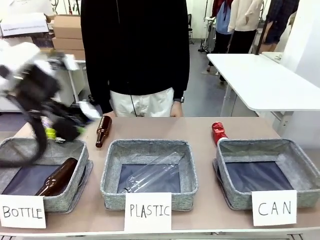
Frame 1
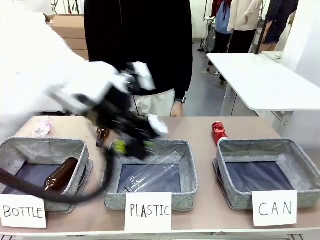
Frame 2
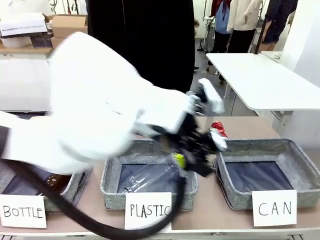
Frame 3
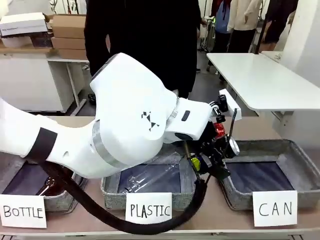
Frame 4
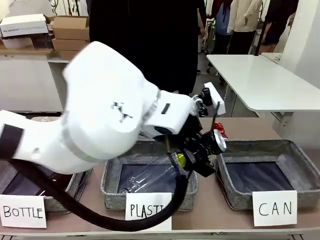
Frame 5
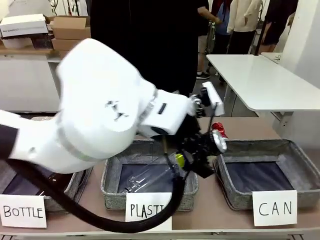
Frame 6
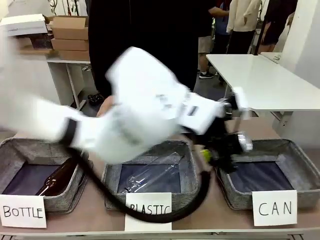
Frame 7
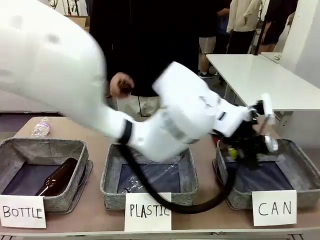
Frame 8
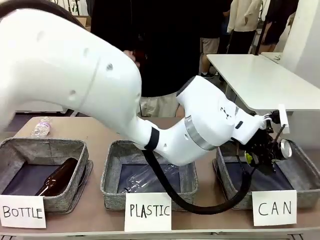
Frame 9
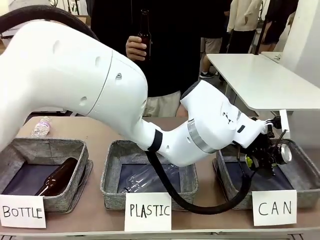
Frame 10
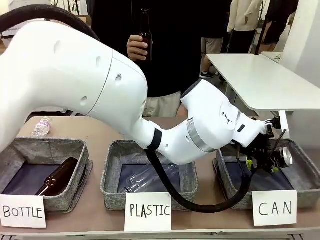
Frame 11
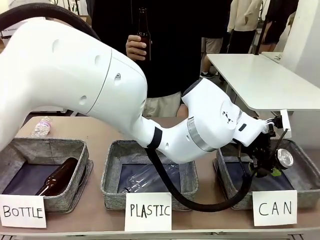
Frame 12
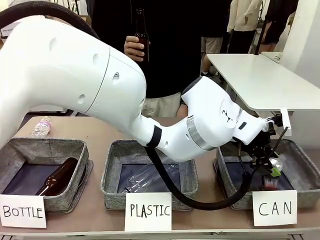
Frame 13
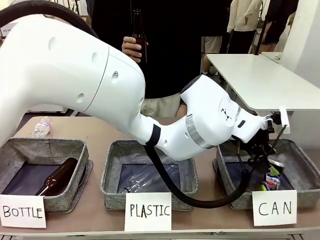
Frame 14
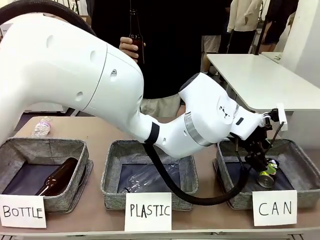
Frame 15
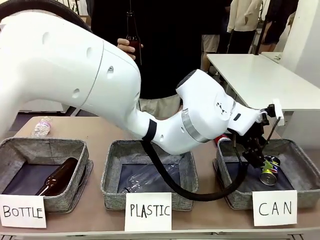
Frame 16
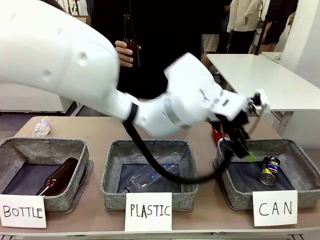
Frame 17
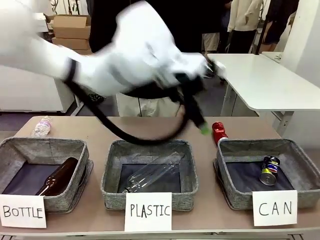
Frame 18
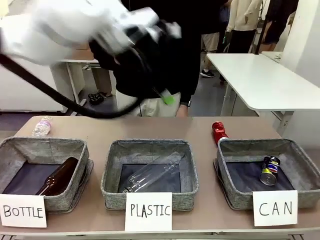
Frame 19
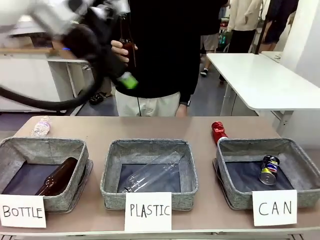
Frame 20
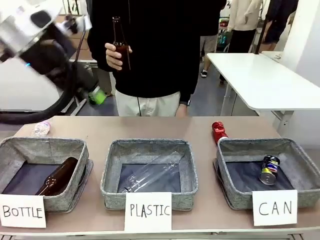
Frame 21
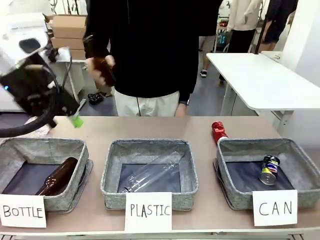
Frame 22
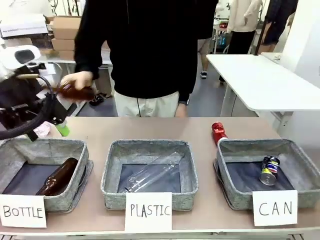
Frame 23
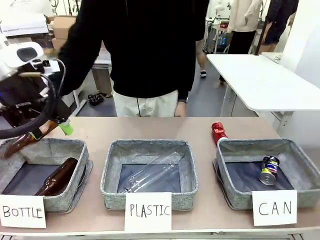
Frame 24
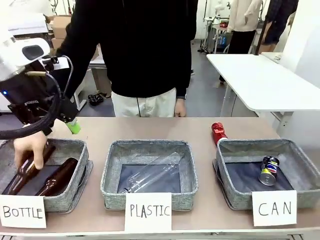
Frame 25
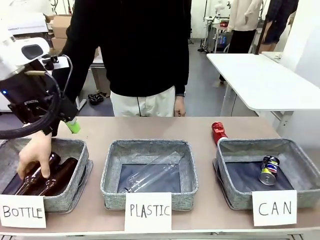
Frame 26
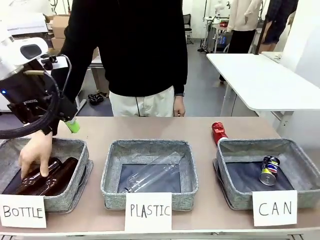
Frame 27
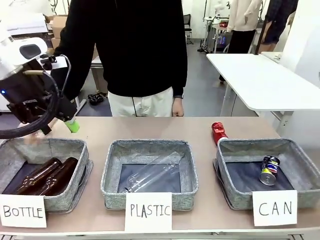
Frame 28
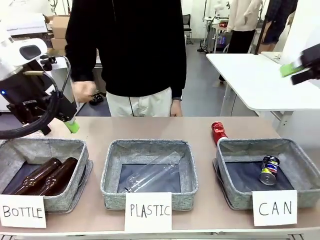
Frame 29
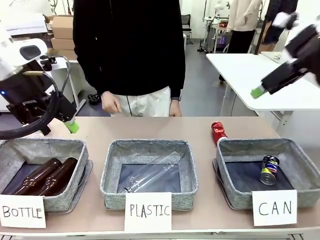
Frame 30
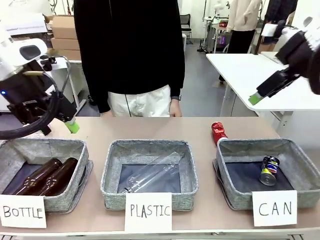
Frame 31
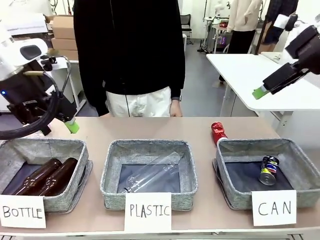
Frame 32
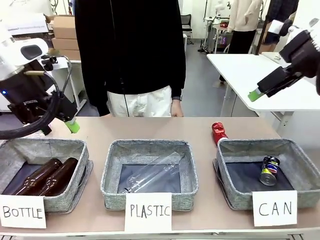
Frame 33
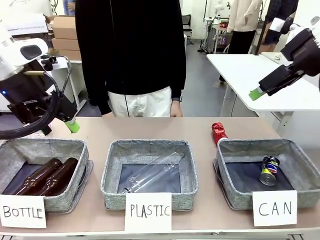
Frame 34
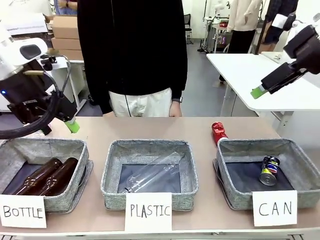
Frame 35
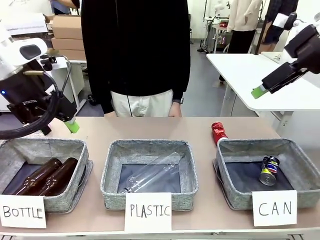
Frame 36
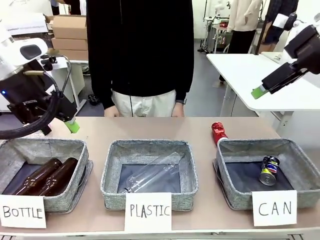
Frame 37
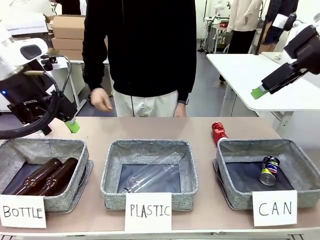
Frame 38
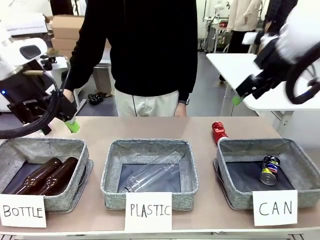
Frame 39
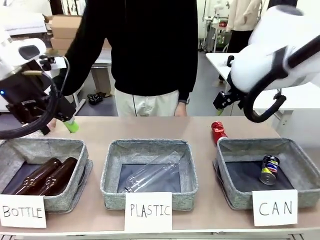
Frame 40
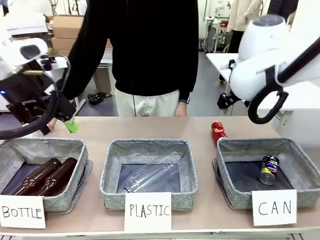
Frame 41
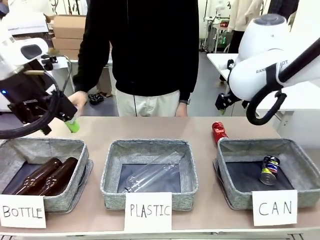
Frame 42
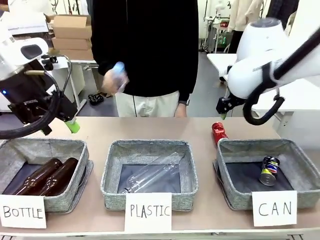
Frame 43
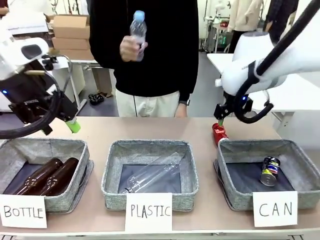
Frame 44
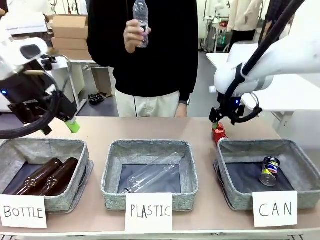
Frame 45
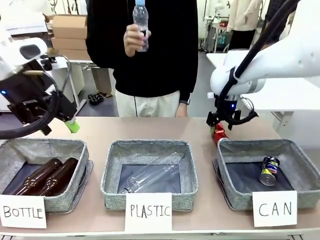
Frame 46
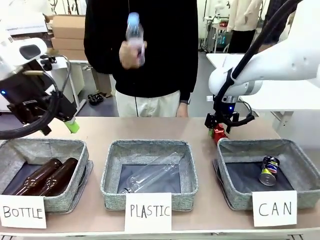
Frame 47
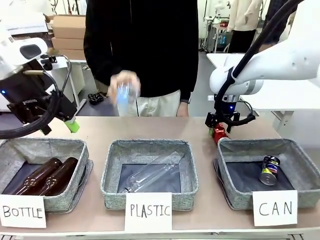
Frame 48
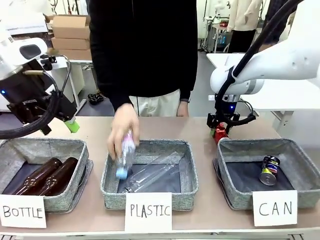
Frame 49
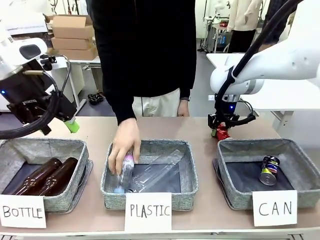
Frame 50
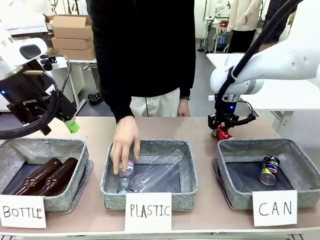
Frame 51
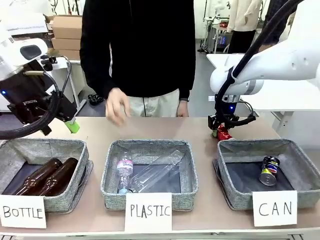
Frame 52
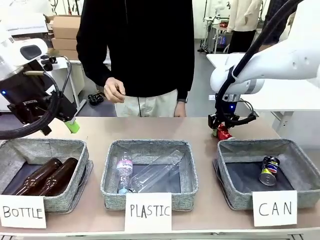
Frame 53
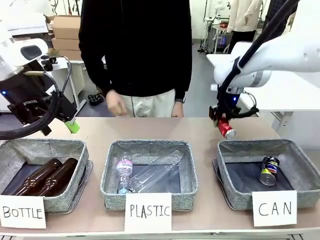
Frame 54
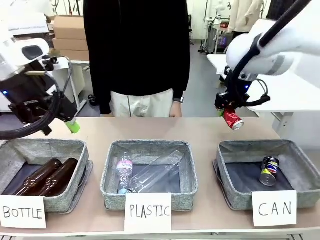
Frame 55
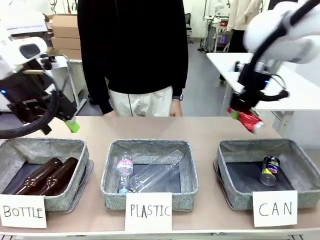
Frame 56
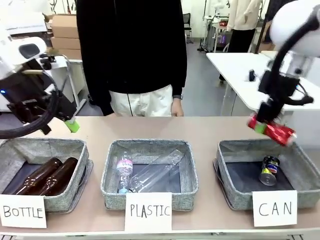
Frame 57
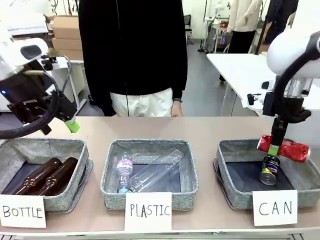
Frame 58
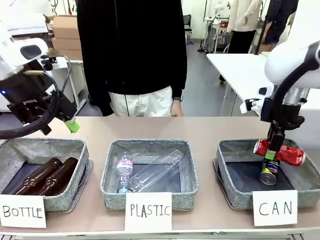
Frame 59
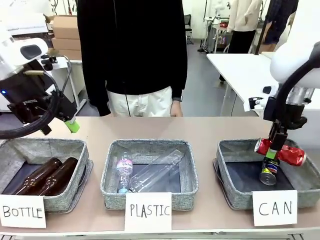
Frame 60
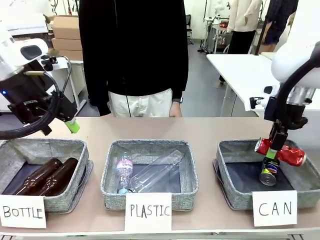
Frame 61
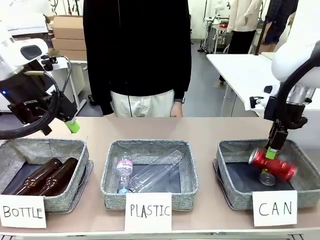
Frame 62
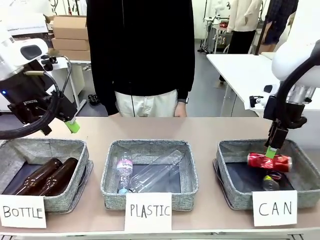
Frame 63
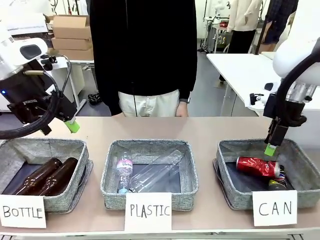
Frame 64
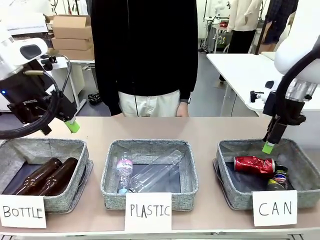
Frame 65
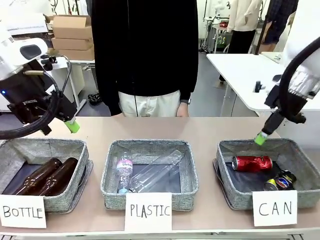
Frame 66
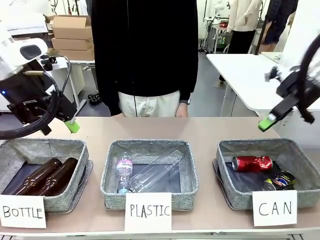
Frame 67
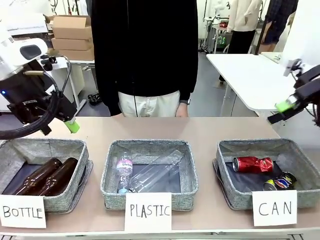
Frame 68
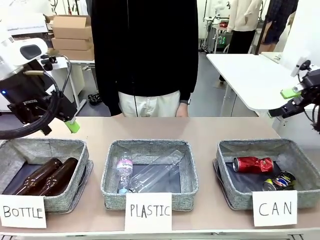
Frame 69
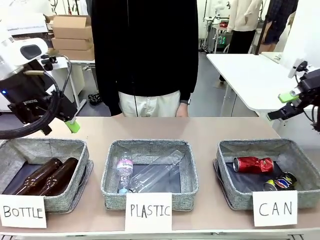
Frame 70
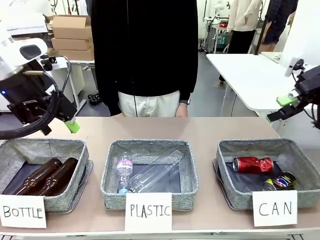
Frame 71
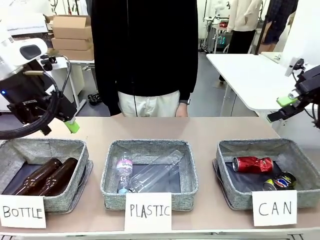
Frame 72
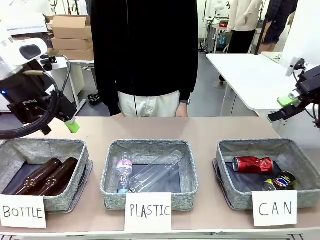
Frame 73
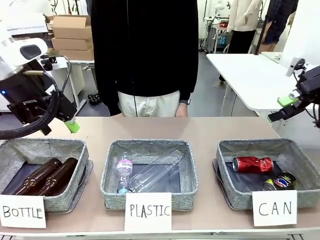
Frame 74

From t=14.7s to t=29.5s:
Task: Sort the can waste into the basket.
Robot: Pick up the can waste from the table and place it in the right Fabric basket.
Person: The human picks up one piece of trash that is not a can and places the trash into the appropriate organizing basket.
